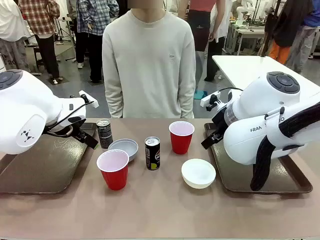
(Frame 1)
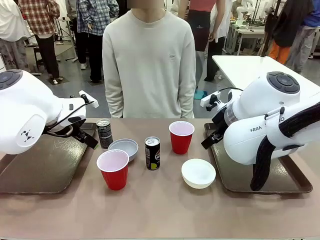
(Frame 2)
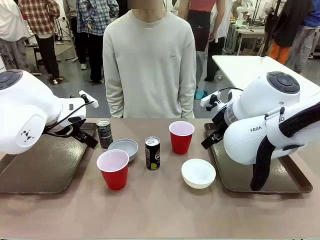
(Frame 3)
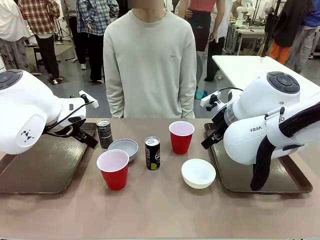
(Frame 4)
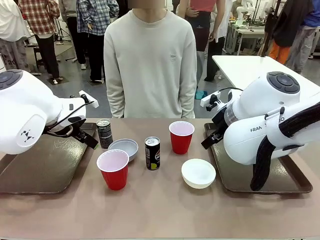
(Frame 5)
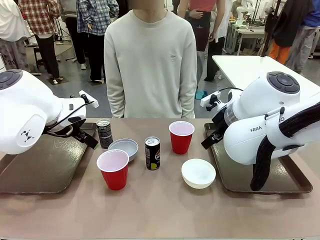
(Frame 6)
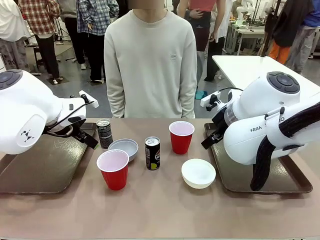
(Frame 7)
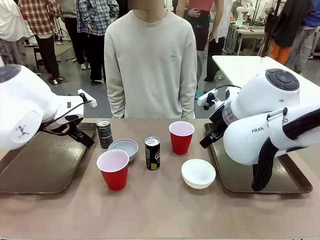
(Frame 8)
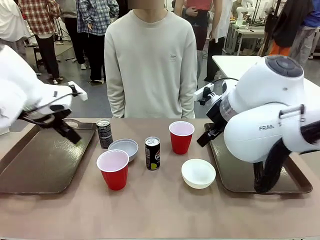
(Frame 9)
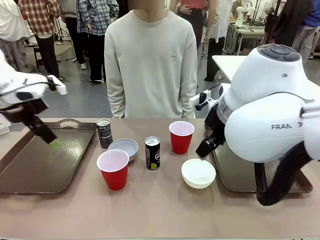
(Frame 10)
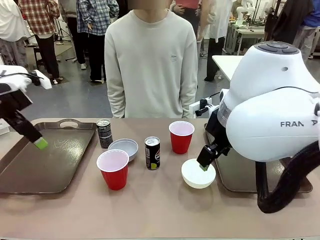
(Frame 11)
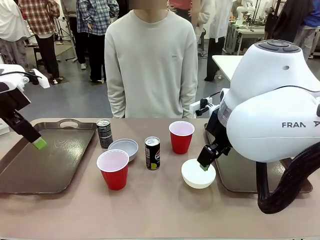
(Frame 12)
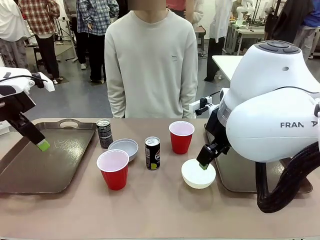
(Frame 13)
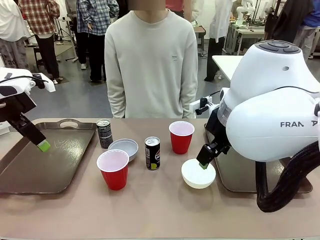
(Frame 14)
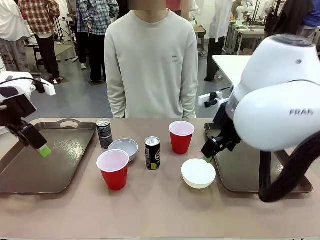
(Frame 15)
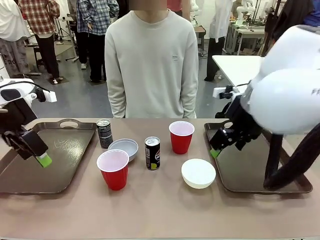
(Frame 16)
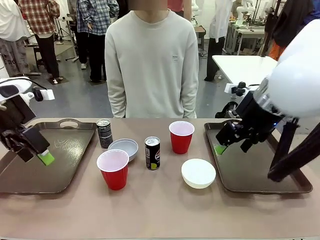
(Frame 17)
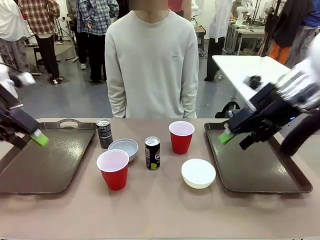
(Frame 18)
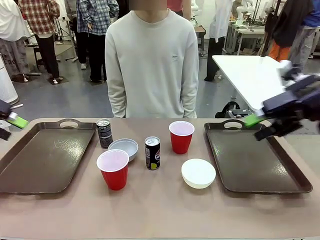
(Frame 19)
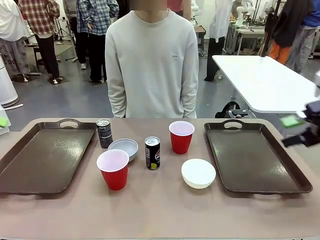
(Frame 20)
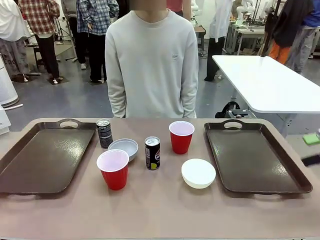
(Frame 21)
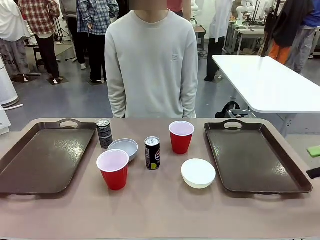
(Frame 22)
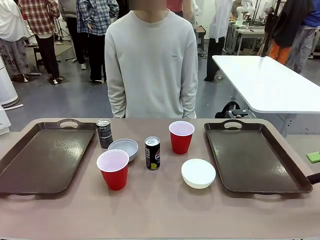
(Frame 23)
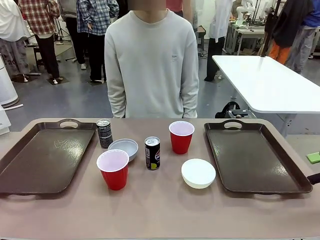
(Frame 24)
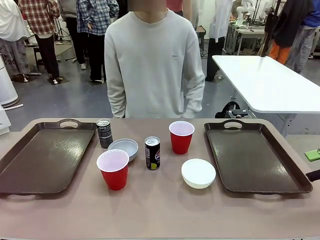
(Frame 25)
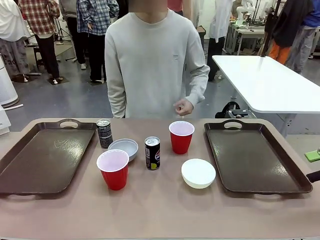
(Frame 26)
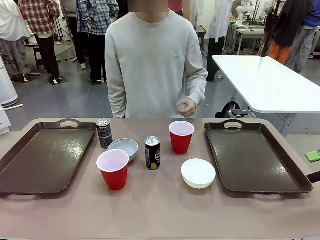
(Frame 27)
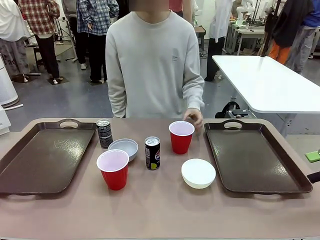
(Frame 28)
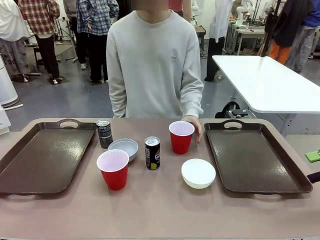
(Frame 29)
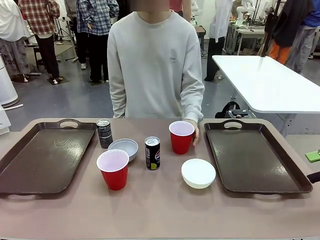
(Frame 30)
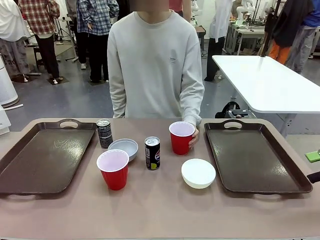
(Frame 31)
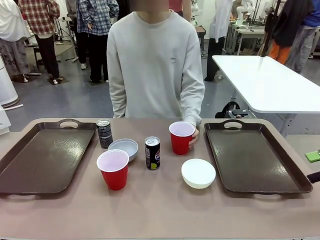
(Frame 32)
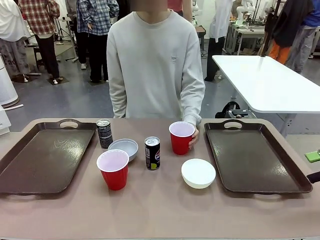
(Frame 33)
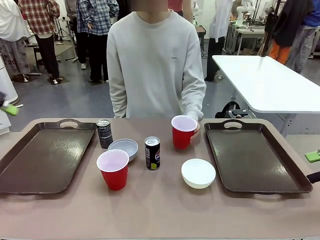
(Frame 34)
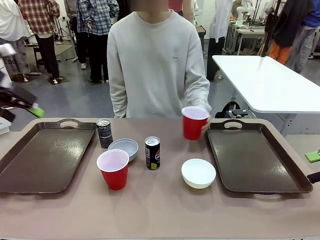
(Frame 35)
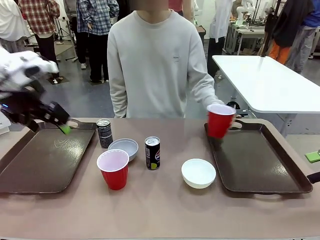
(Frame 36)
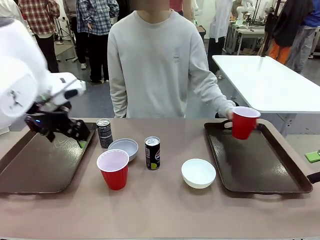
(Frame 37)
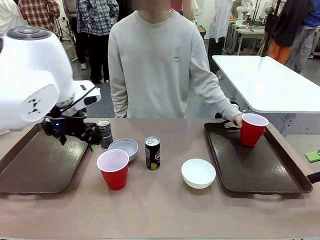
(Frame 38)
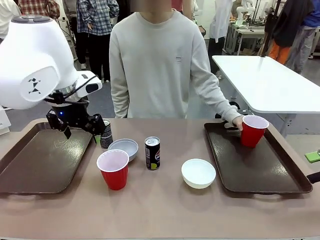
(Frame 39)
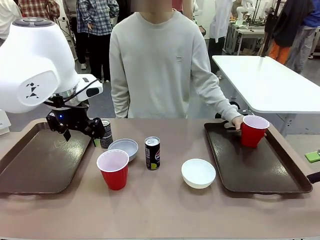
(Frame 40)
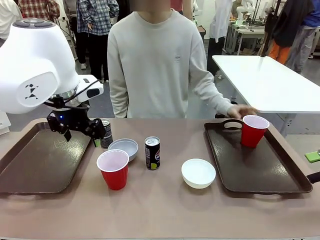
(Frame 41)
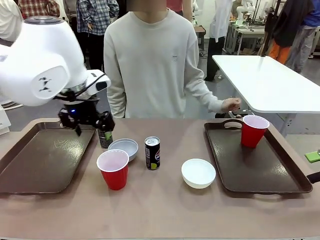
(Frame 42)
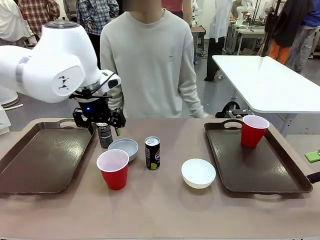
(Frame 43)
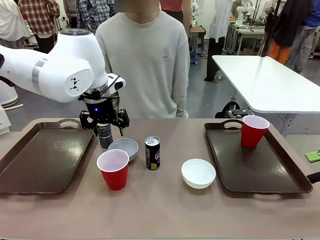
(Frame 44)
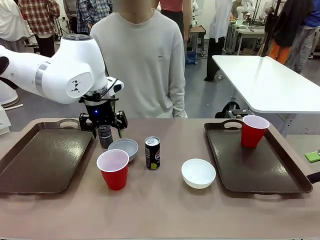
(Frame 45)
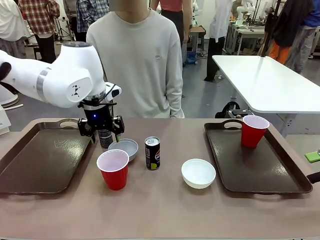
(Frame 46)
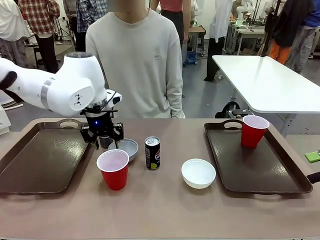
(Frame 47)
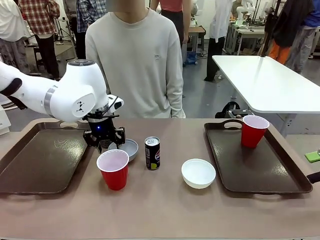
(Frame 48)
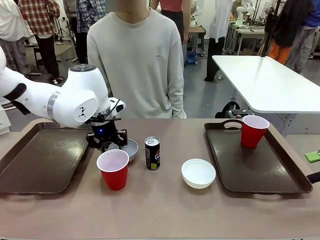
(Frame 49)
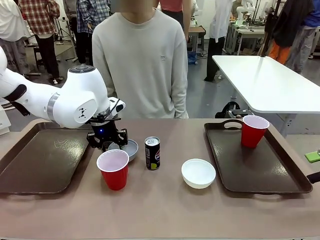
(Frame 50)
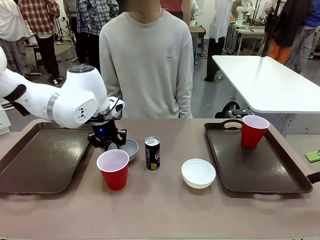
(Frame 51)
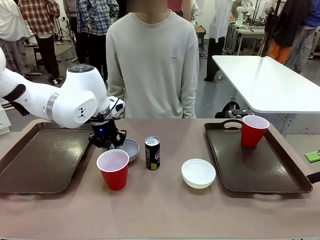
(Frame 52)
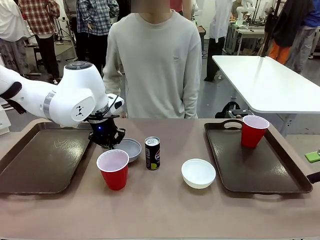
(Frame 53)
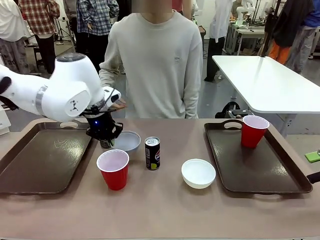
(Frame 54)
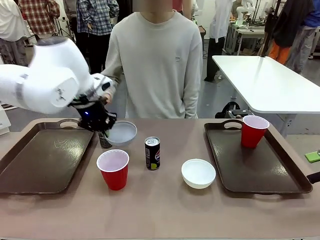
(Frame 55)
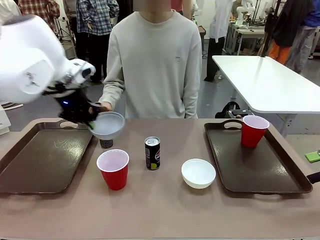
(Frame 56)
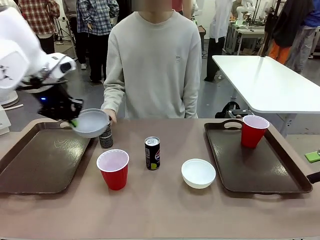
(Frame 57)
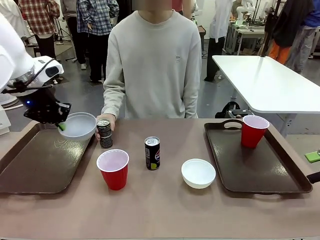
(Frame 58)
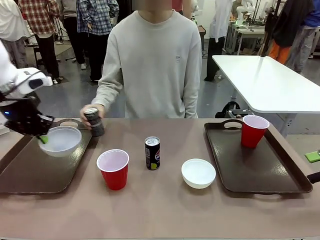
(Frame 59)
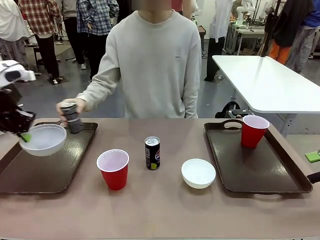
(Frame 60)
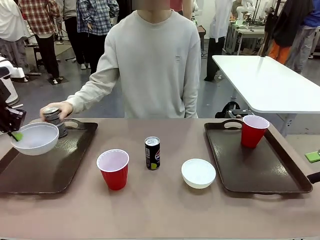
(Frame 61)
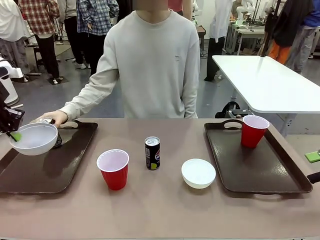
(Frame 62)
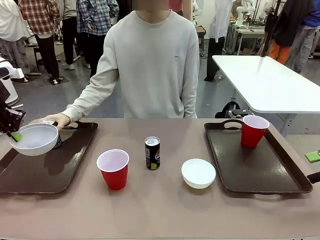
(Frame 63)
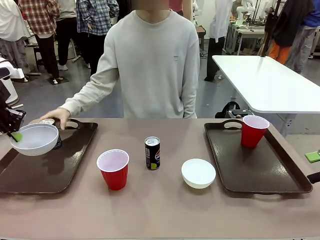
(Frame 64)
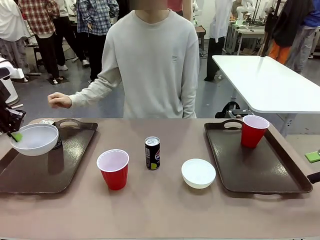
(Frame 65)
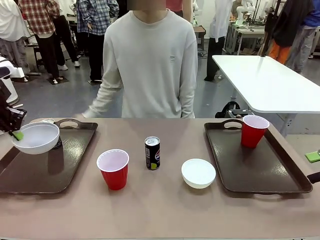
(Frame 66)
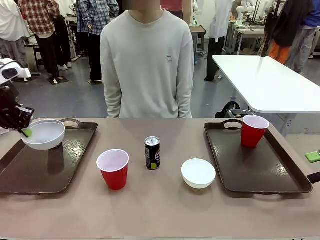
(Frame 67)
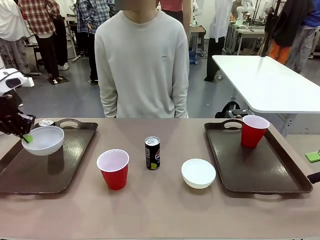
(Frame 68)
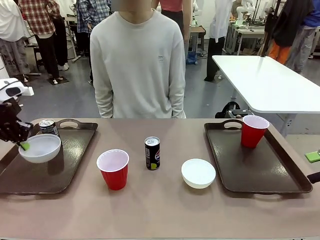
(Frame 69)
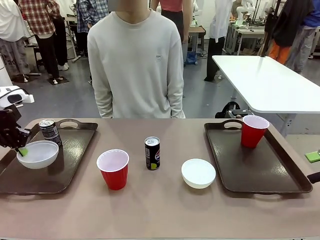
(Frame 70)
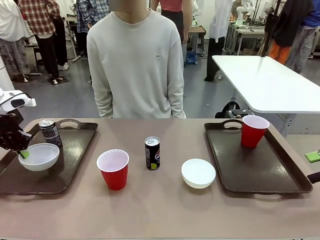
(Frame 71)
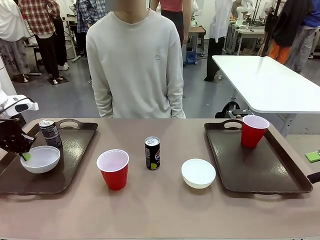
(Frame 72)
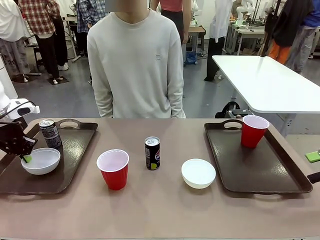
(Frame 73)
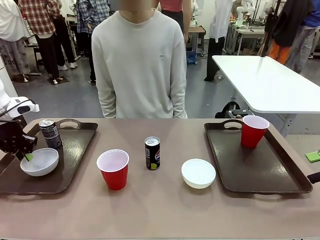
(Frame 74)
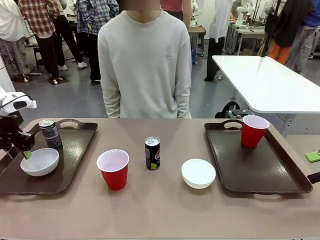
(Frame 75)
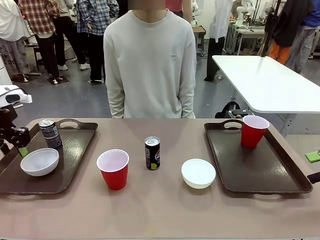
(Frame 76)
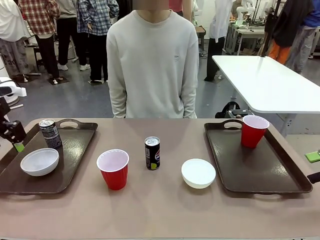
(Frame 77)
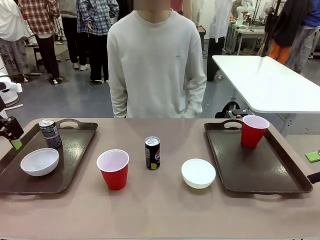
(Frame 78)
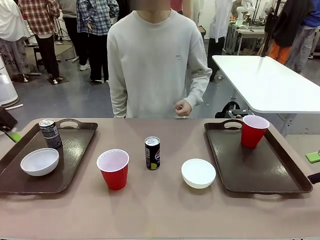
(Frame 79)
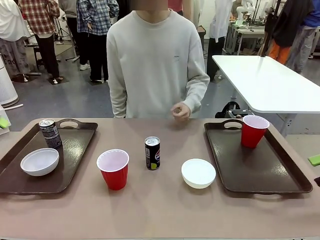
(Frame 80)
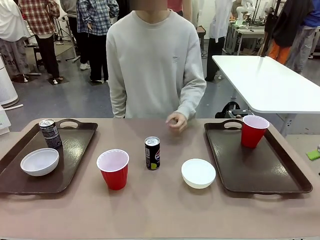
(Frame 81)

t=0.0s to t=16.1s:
Task: Prepare tableware on both trays.
Robot: Pick up a Picnic Bowl from the table and place it on a Handle tray.
Person: Pick up a can or cup and place it on the tray.
